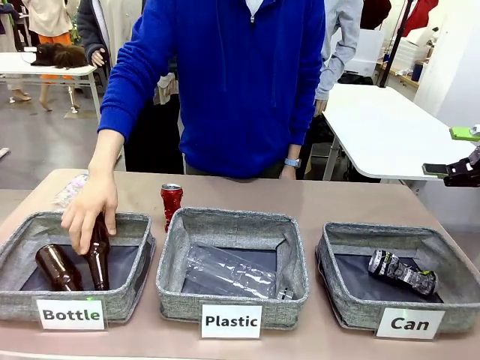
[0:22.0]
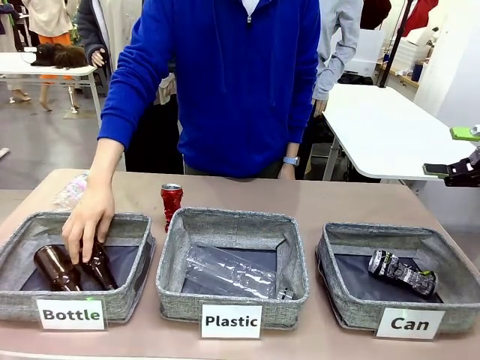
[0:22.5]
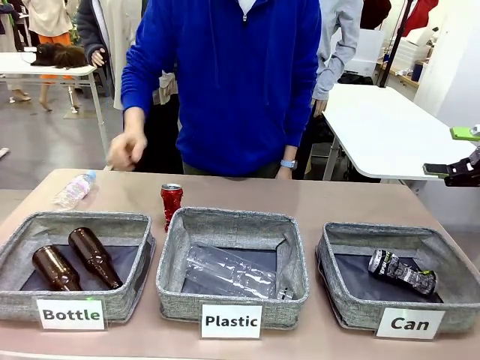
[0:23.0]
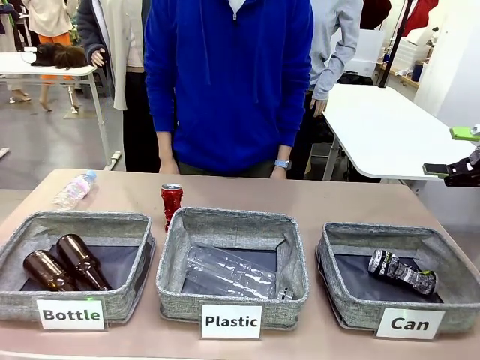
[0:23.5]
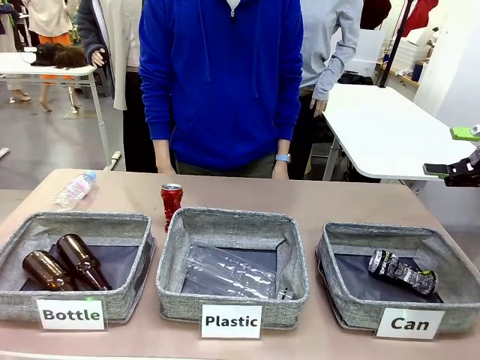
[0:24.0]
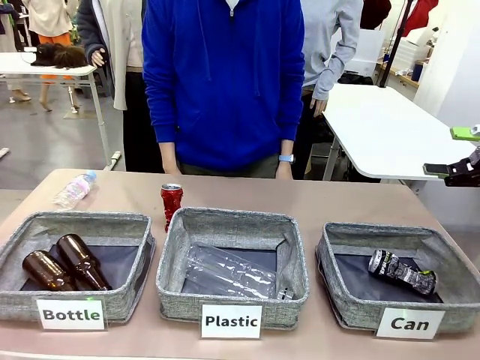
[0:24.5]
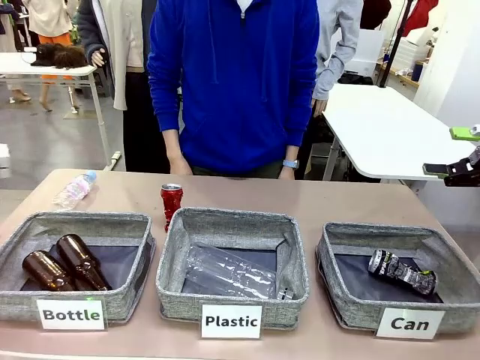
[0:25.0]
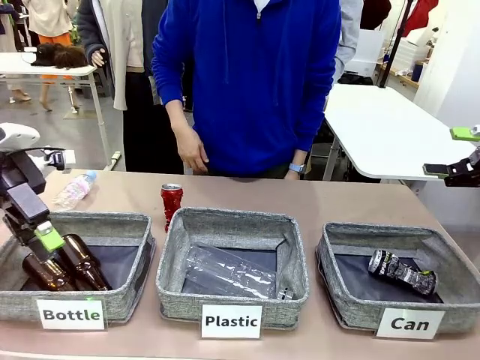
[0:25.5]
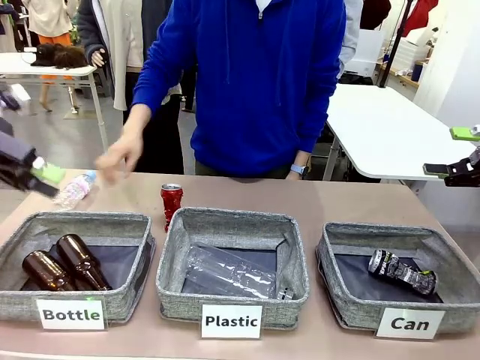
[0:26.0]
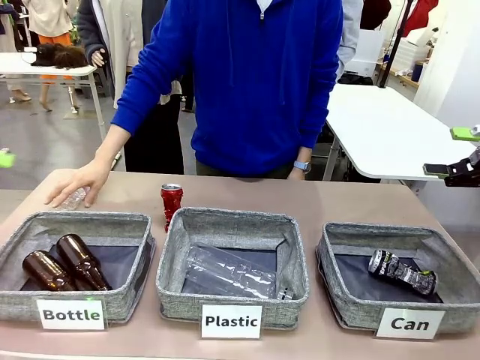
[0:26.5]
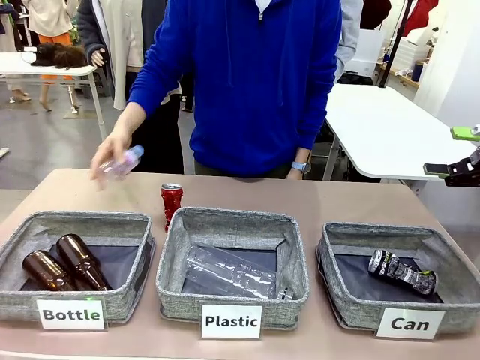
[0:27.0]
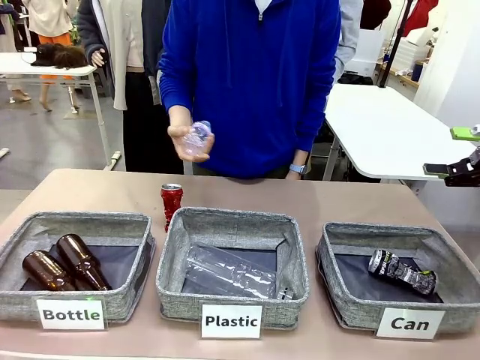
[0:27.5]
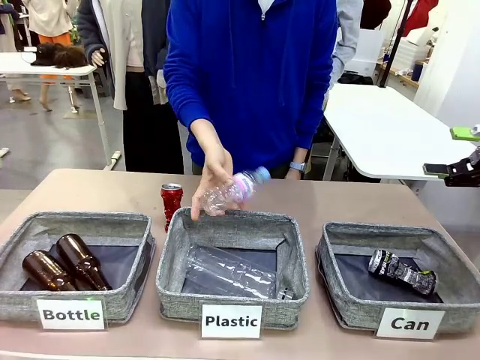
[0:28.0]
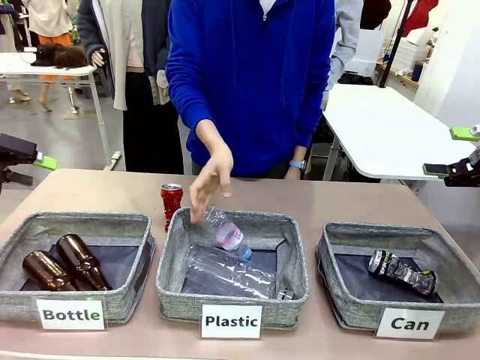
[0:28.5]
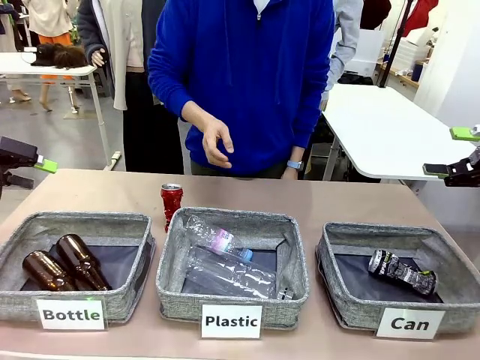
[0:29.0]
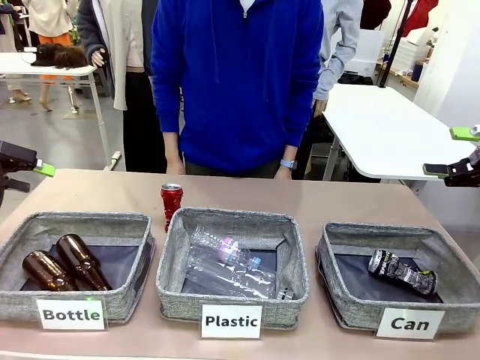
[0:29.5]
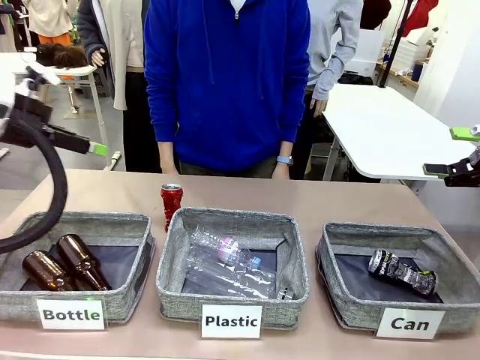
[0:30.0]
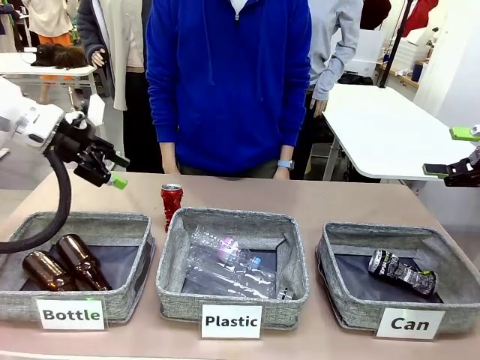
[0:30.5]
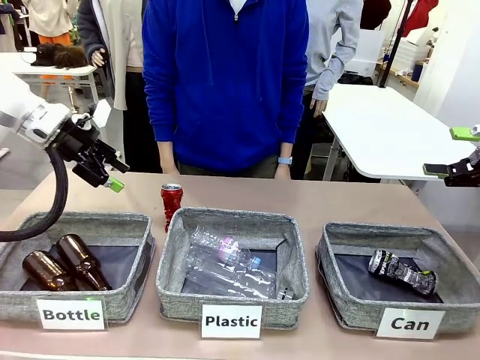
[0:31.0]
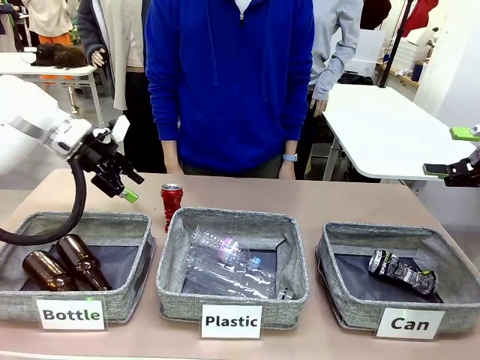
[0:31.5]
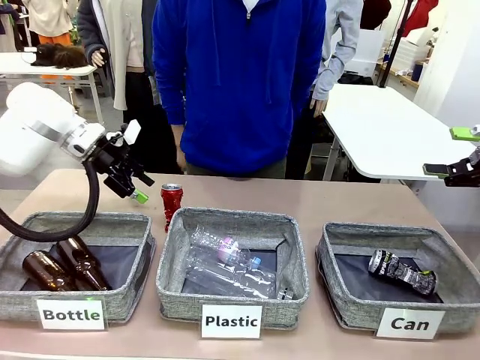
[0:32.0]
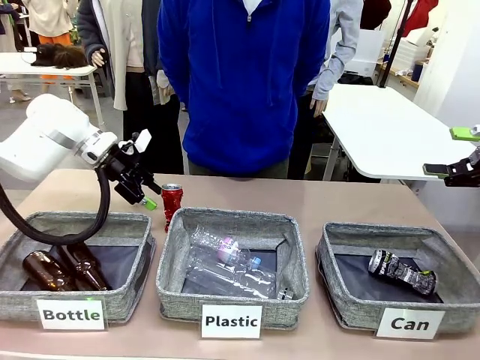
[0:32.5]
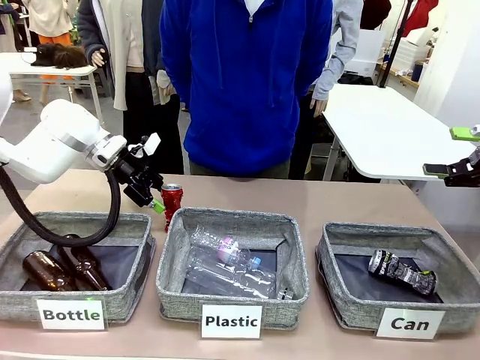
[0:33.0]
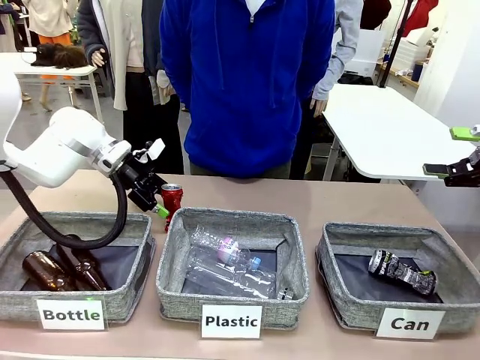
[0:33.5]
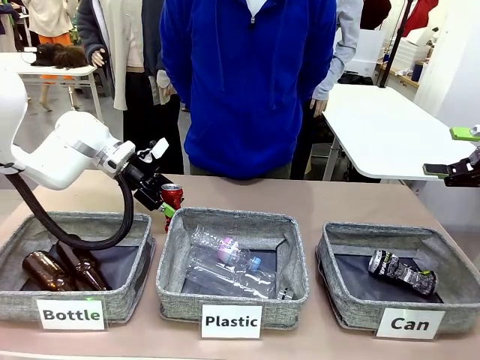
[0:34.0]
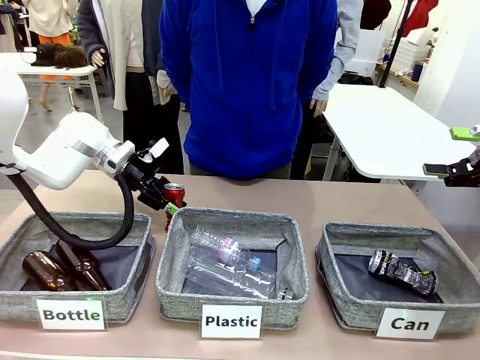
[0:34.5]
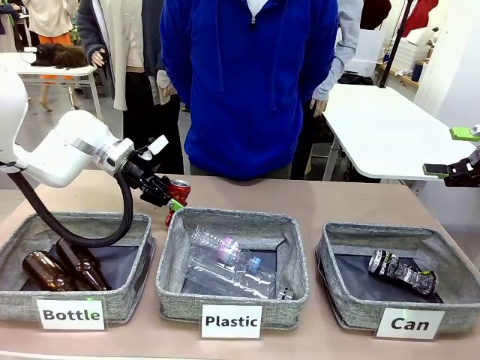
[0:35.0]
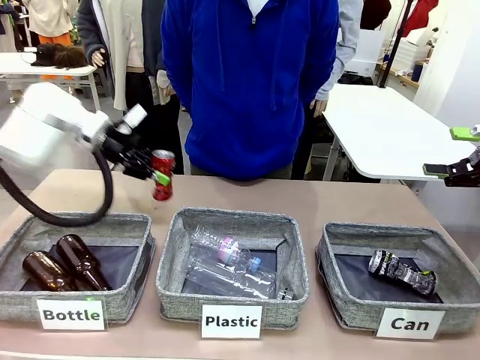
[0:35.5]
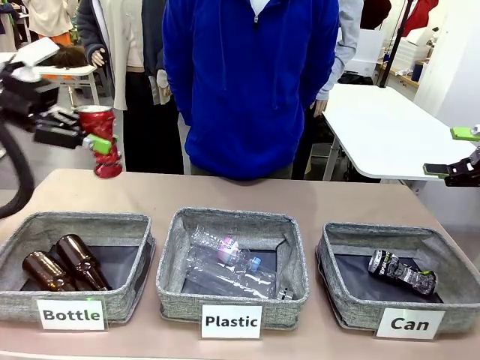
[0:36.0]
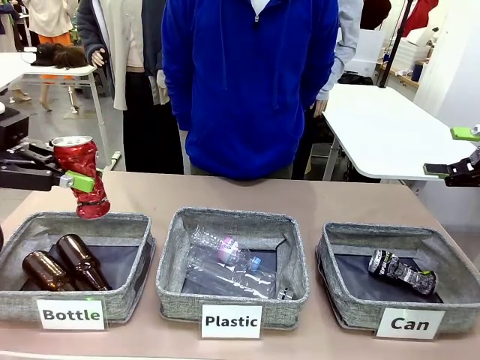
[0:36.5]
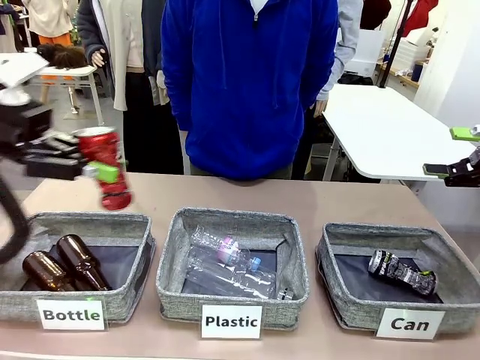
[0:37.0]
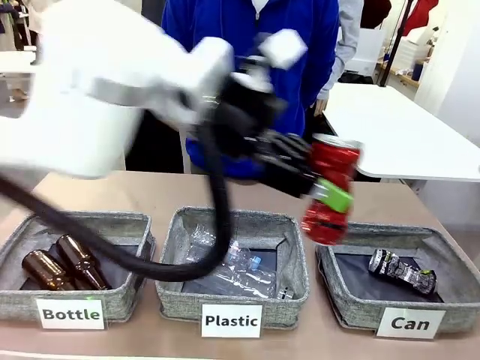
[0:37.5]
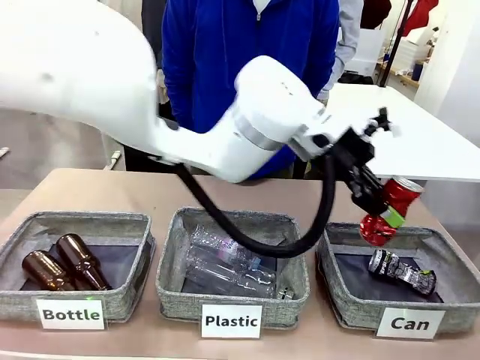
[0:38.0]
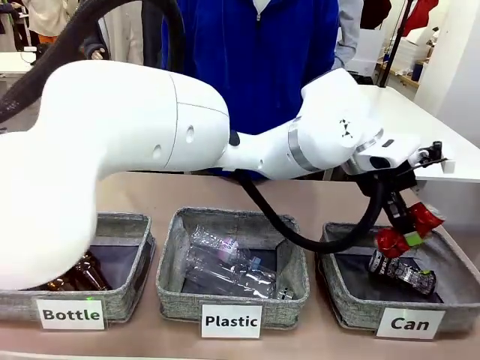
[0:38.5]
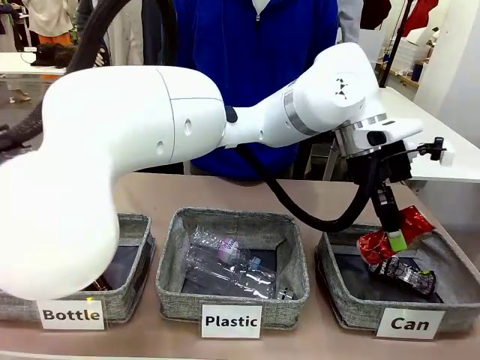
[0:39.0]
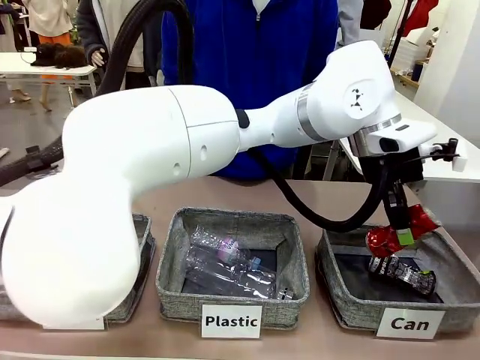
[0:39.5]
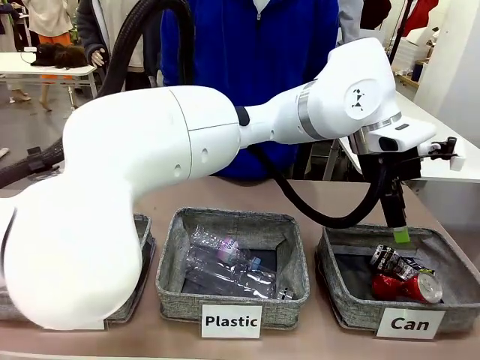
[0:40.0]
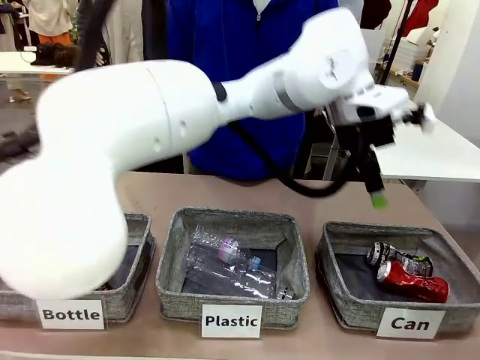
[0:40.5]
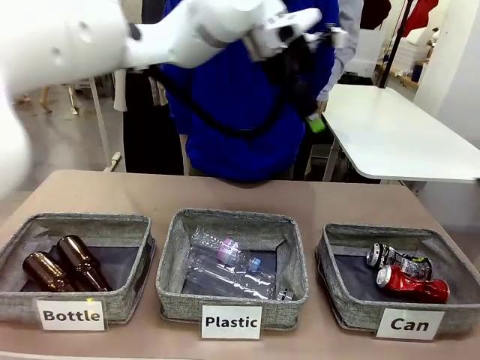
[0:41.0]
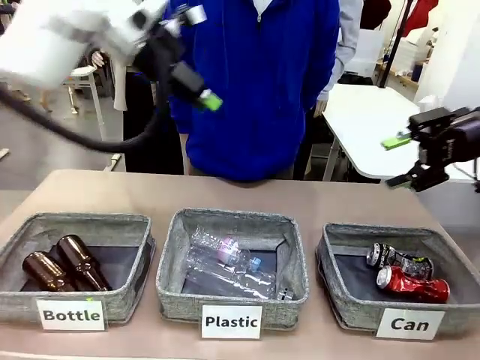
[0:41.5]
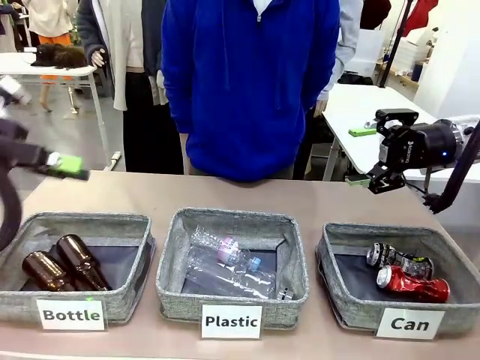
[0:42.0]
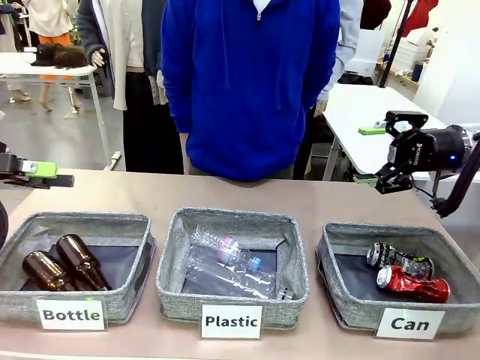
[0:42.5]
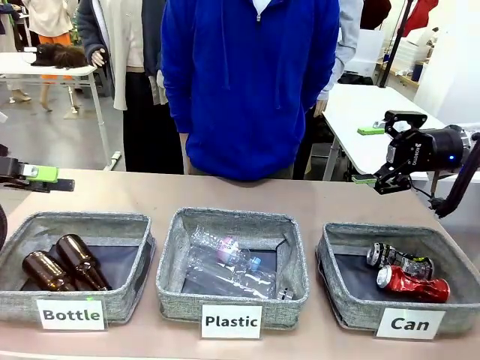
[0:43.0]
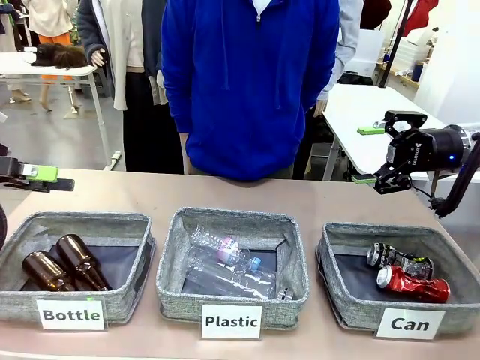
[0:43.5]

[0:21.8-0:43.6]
Task: Sort the can waste into the basket.
Robot: Pick up the can waste from the table and place it in the right Fabric basket.
